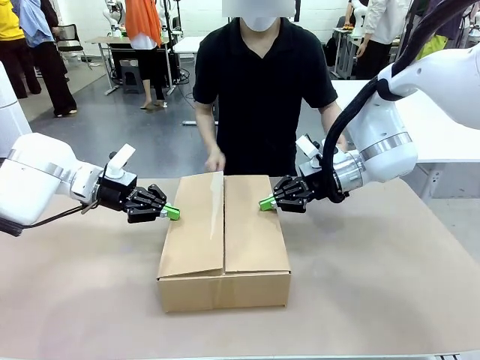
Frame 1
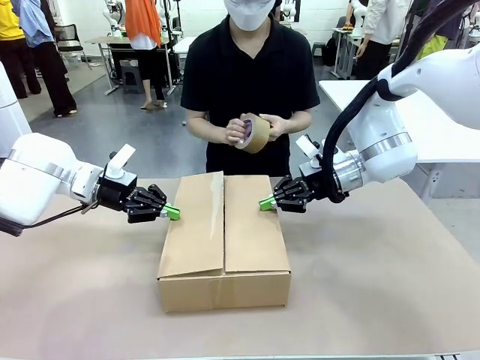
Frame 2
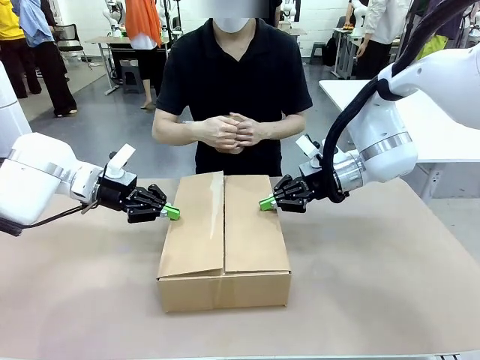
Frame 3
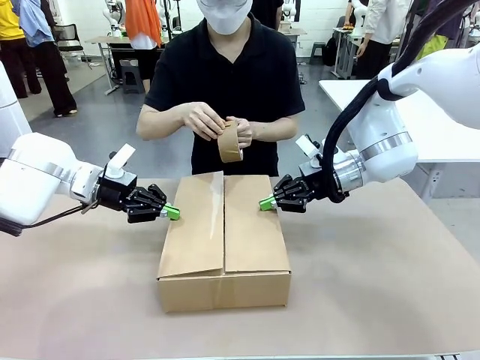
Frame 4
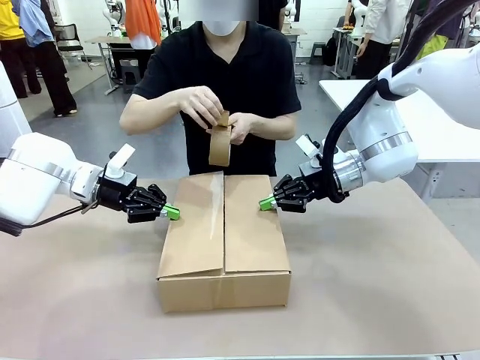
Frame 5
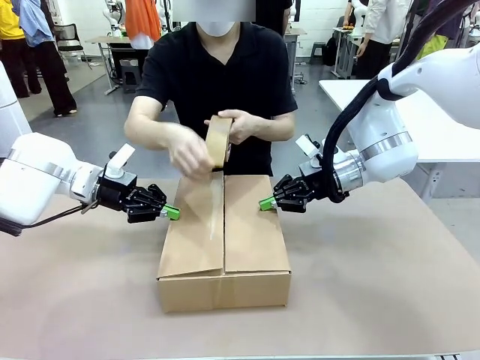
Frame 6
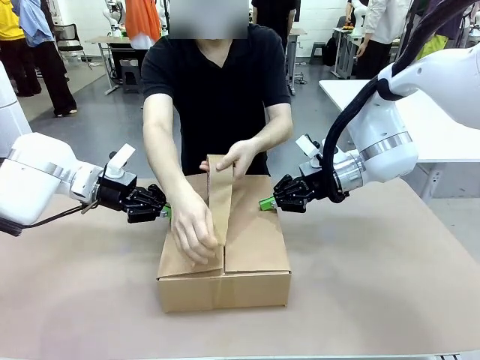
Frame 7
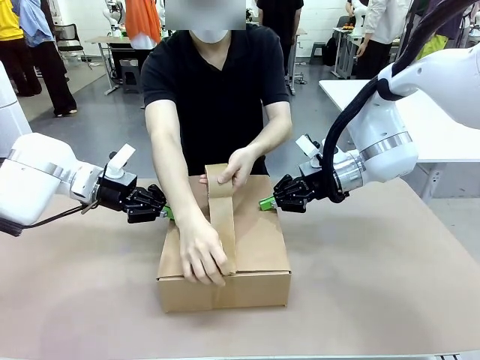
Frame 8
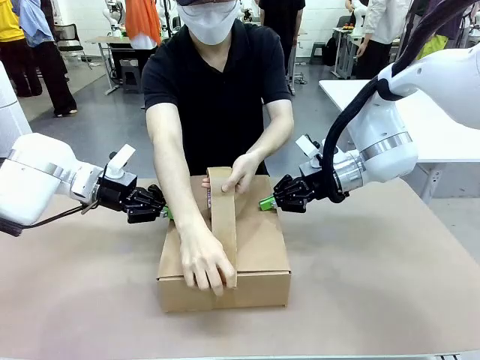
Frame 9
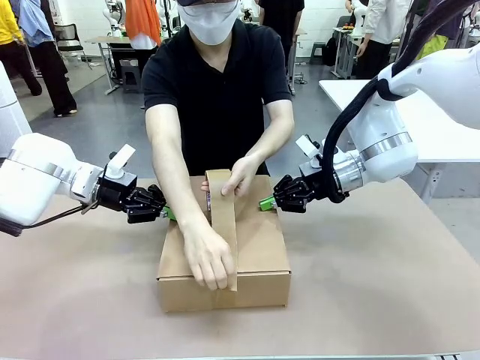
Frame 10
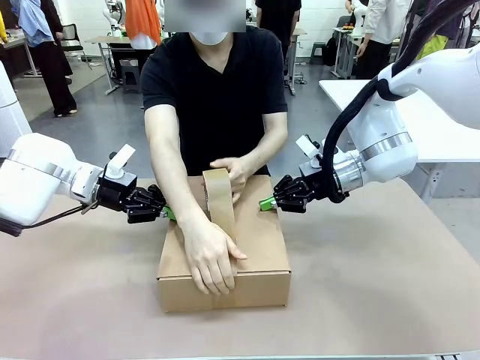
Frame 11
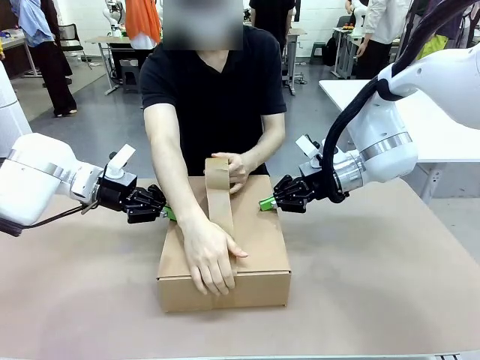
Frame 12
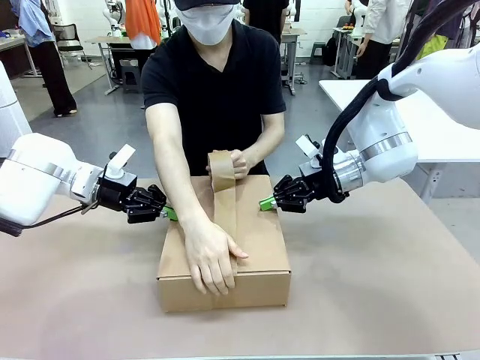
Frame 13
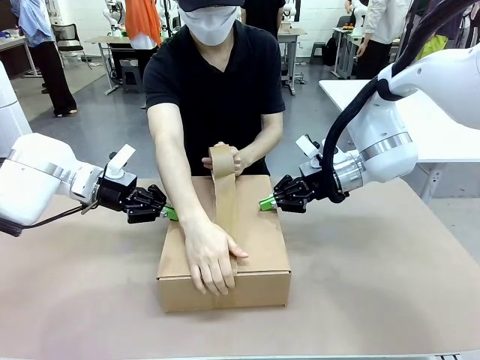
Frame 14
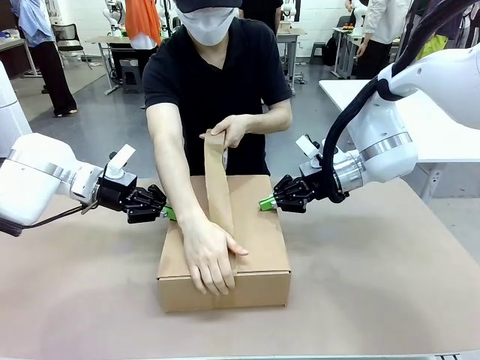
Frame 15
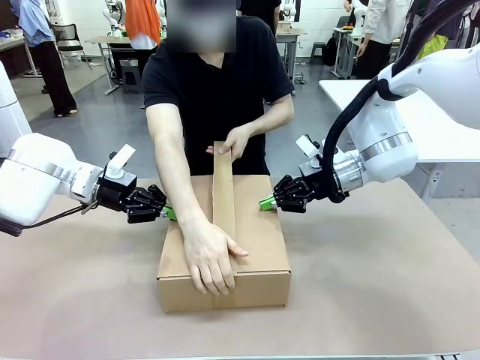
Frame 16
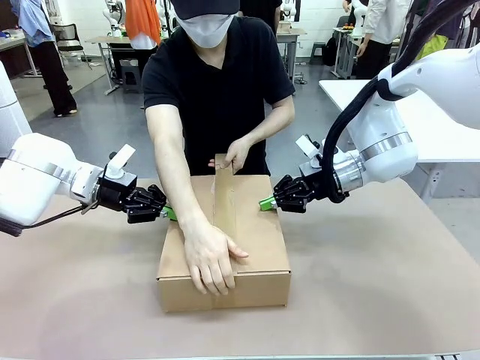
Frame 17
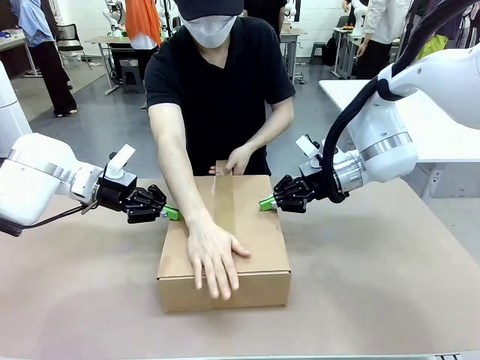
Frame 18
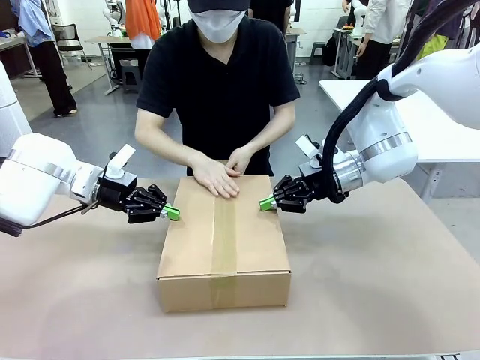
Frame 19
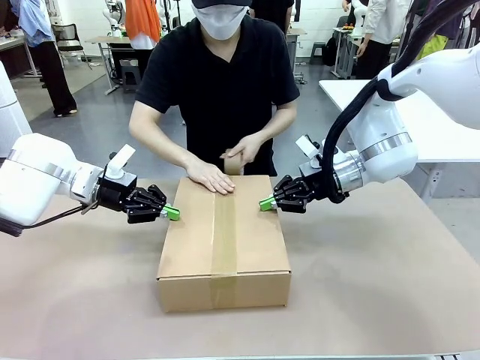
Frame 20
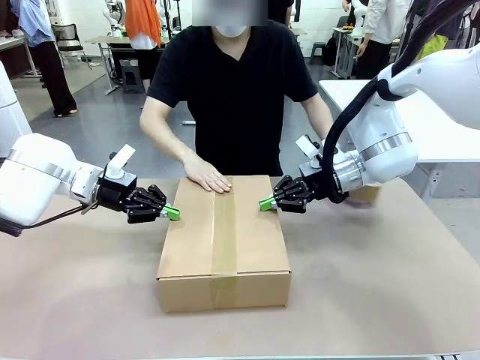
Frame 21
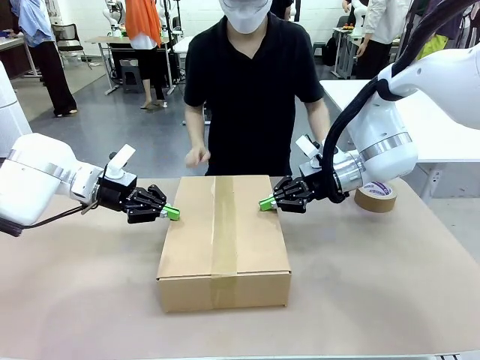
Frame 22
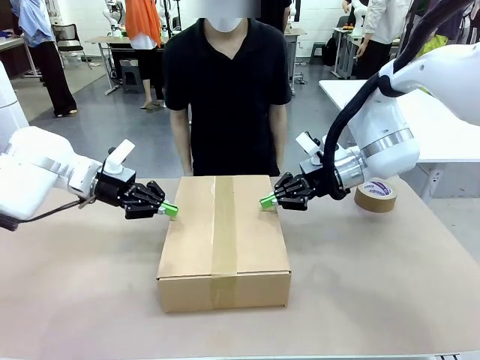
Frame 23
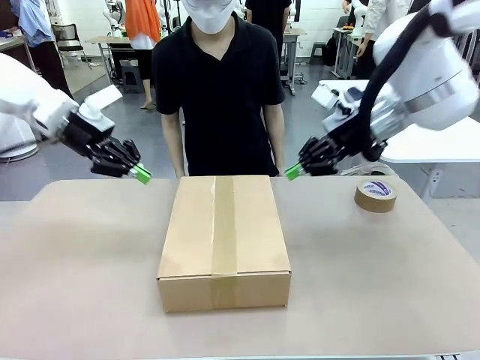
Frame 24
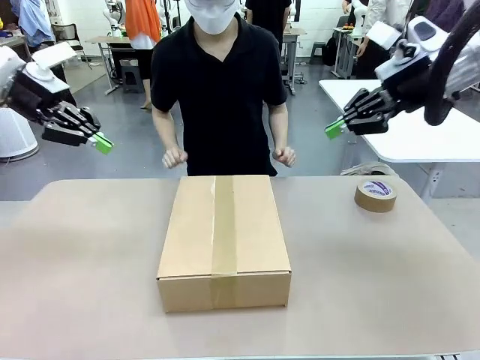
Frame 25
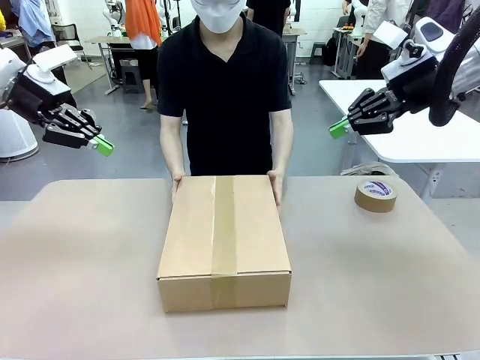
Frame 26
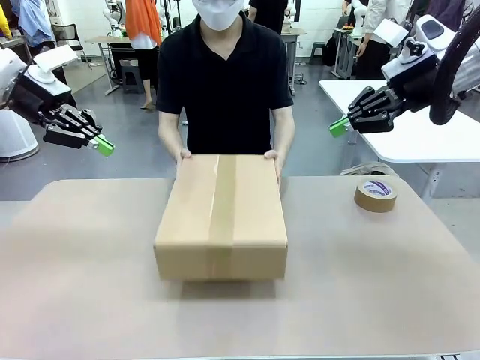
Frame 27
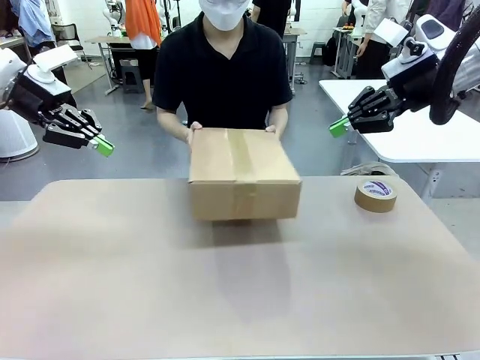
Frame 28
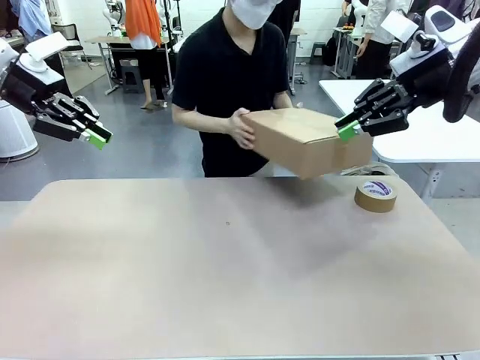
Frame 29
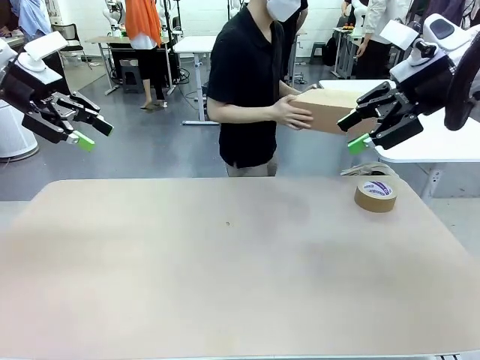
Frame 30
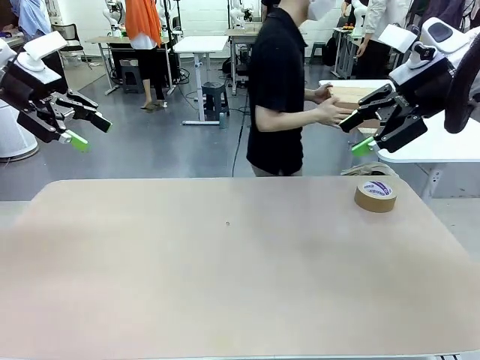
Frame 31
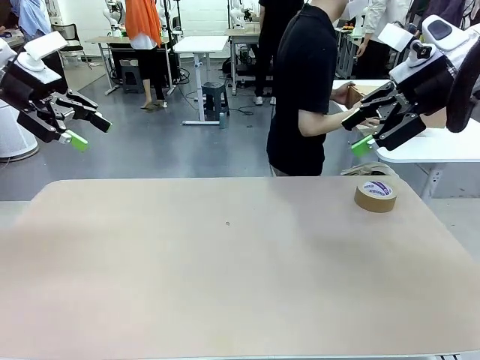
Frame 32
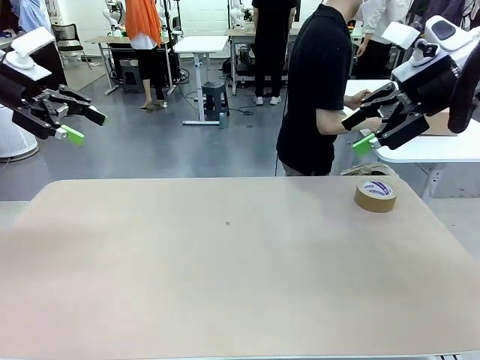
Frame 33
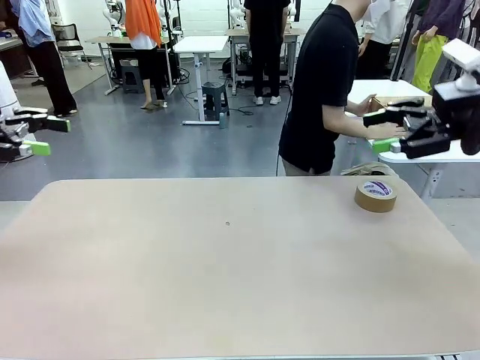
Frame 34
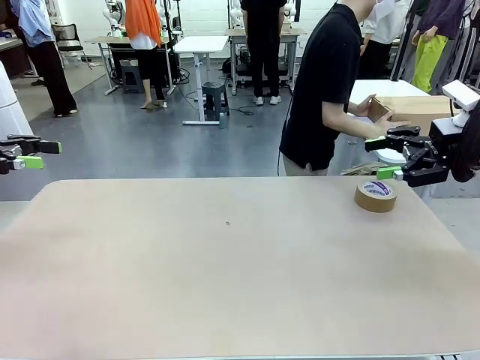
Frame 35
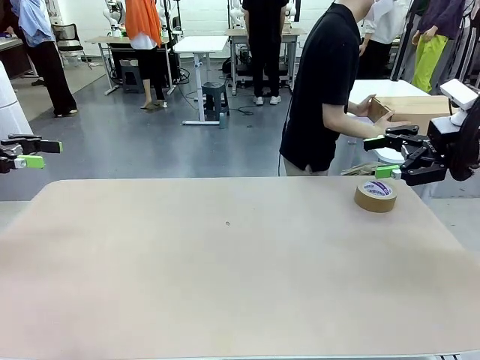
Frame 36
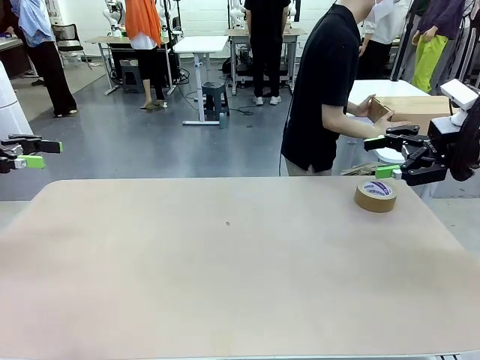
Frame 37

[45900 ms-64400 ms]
Task: Wrap the clocks to prevent damage.
Robot: After the human seals the box with tape, release both hands from the side flaps of the Package Box.
Person: Once the robot closes the left flap of the Package Box , seal the box with Paper Tape. Place sealed Package Box in the middle of the human's table.

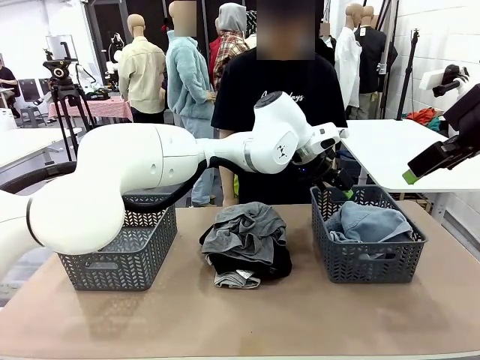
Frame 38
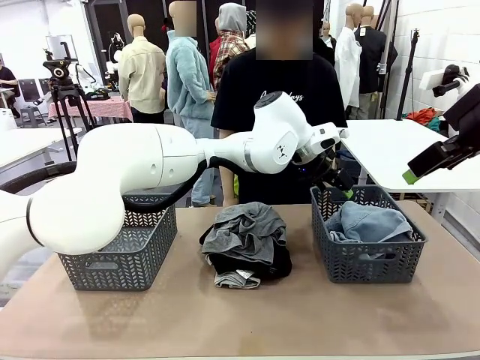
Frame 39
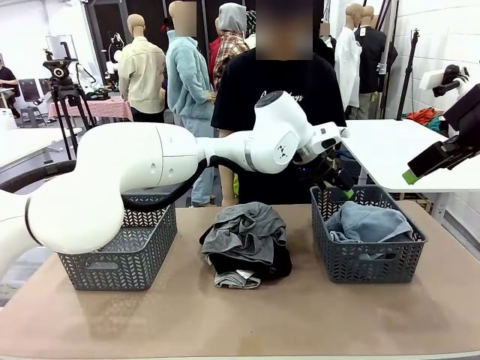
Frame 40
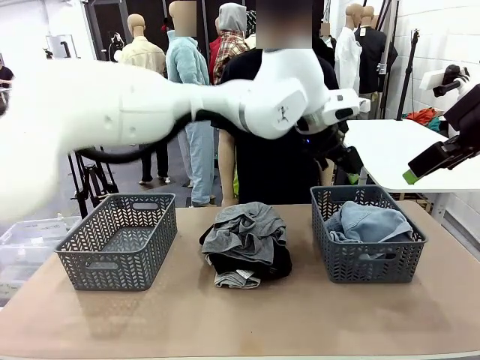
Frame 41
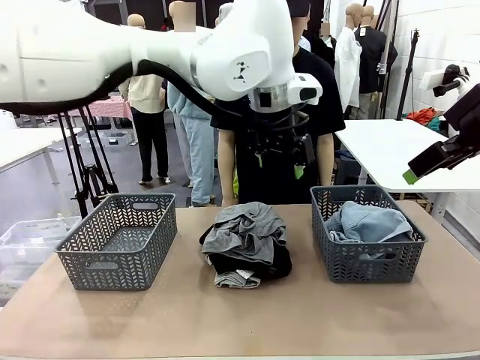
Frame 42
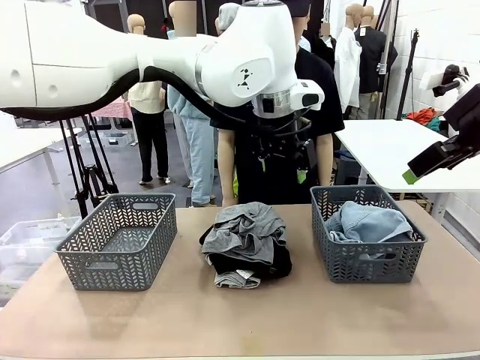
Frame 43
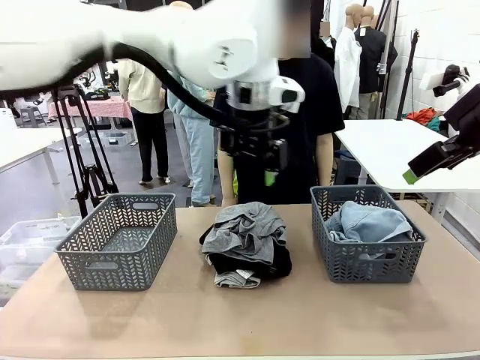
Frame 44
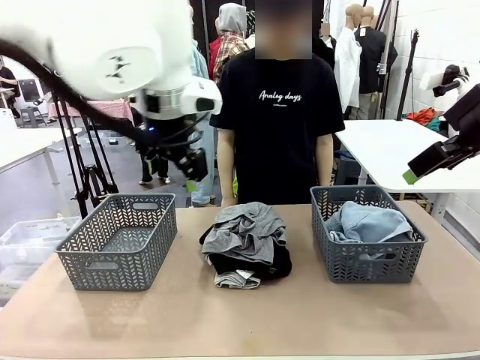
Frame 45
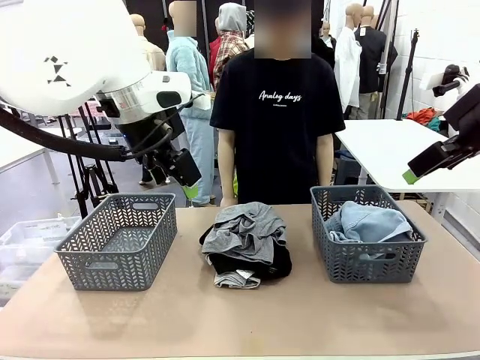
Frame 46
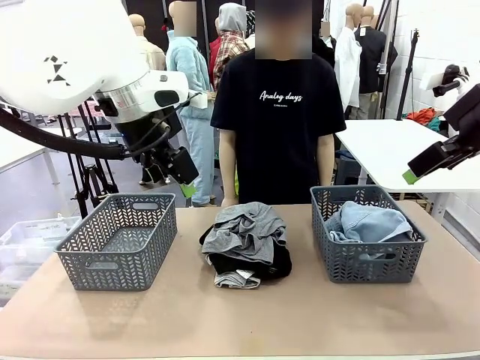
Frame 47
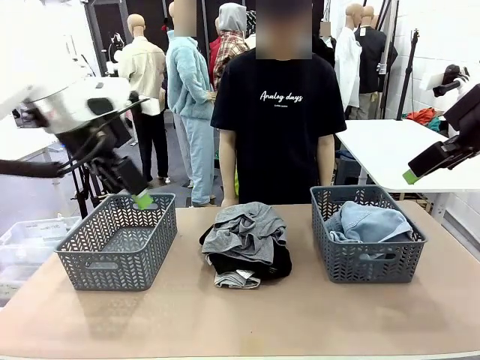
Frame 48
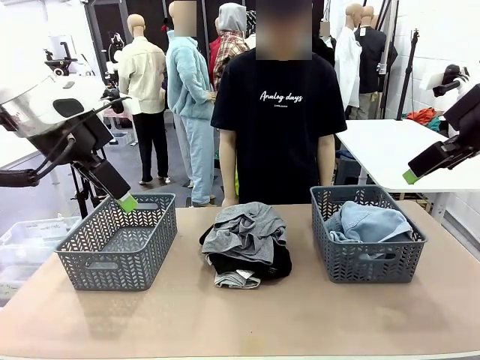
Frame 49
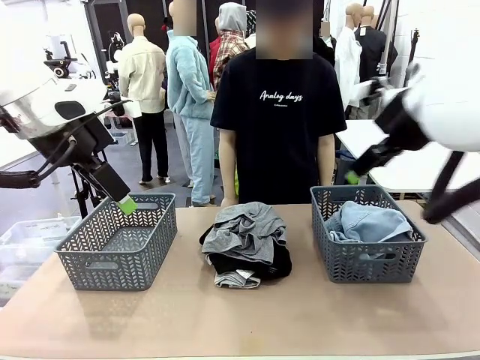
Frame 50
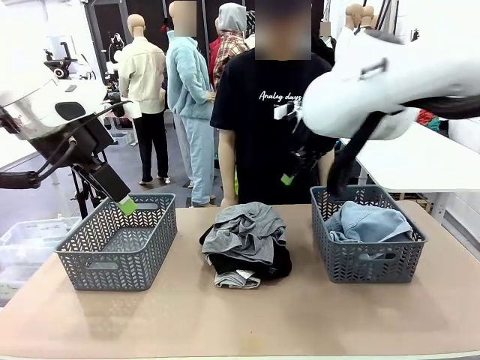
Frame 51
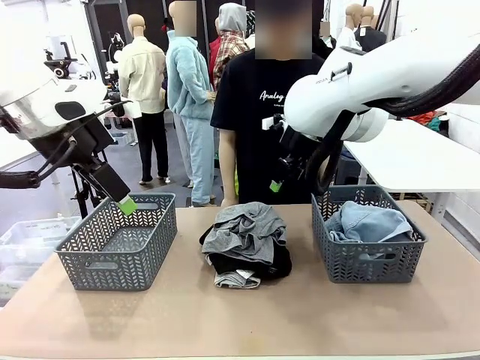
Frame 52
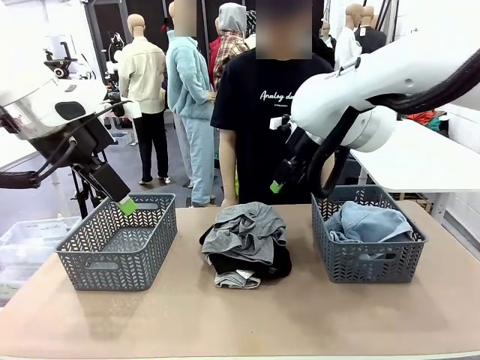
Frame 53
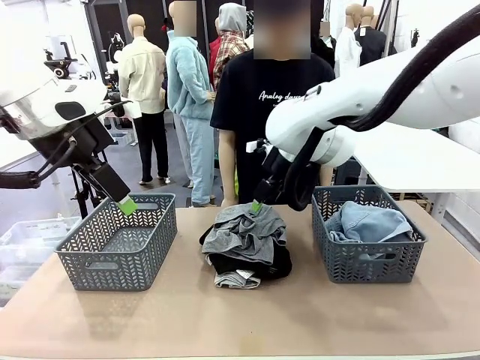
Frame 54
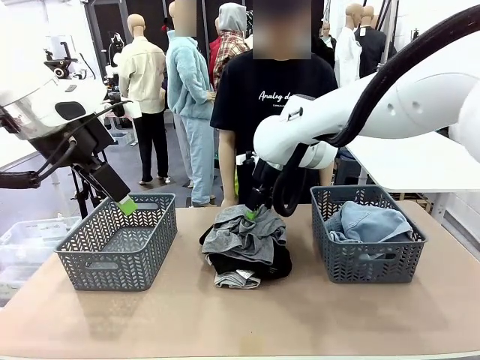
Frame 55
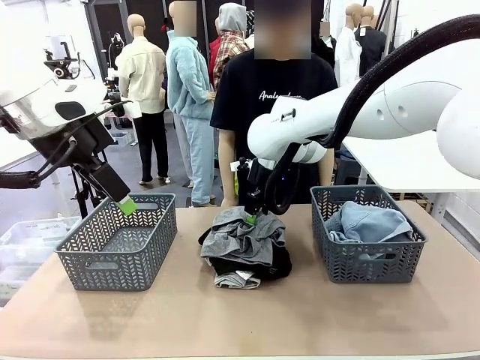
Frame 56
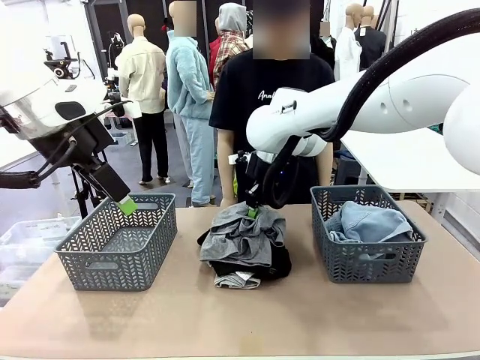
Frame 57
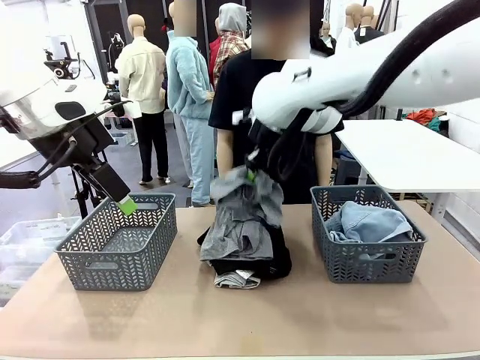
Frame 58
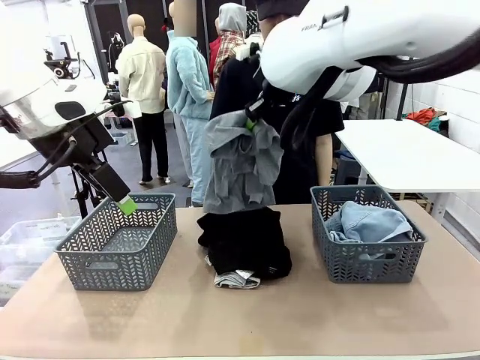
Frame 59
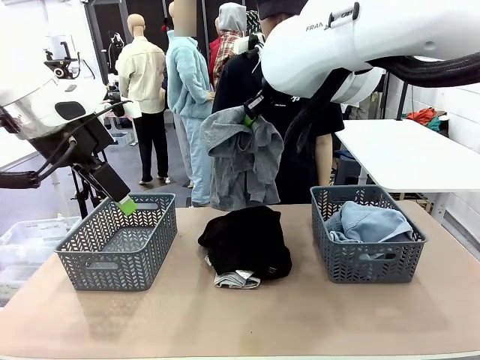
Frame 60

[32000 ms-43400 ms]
Task: Sort the tops and bottoms.
Robot: Lift clothes from the center of the table with your right hand.
